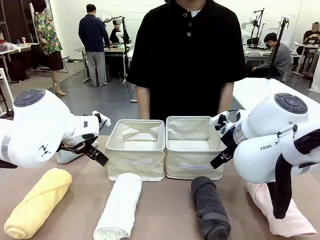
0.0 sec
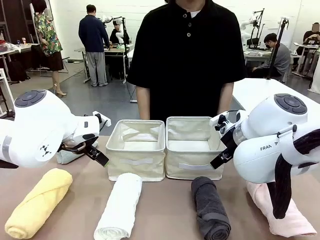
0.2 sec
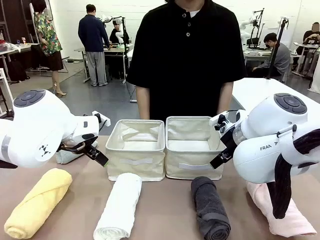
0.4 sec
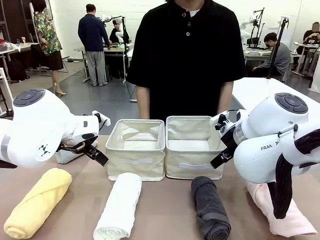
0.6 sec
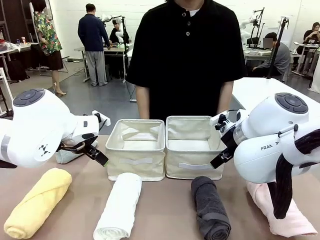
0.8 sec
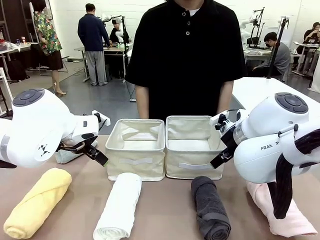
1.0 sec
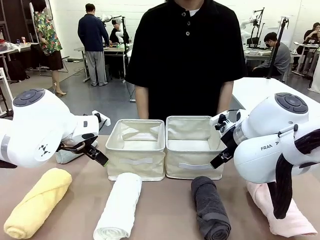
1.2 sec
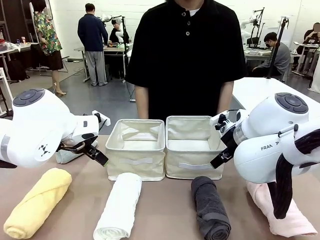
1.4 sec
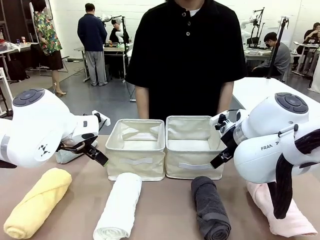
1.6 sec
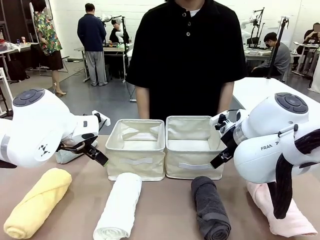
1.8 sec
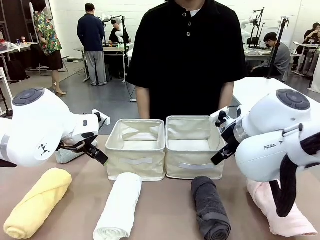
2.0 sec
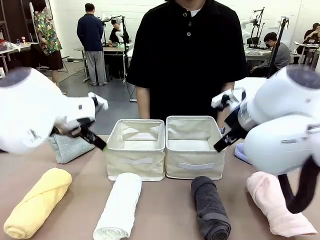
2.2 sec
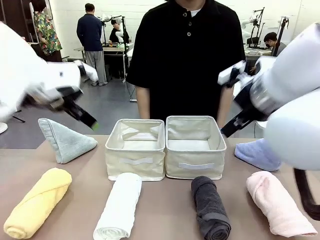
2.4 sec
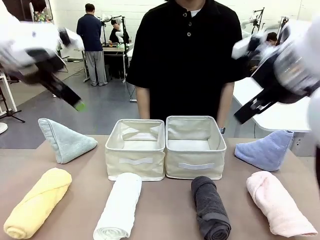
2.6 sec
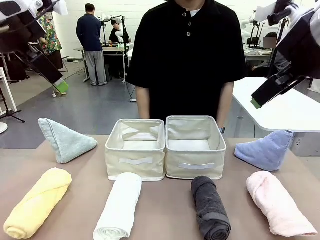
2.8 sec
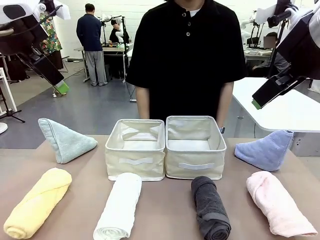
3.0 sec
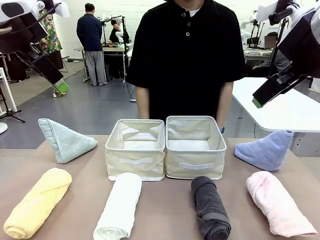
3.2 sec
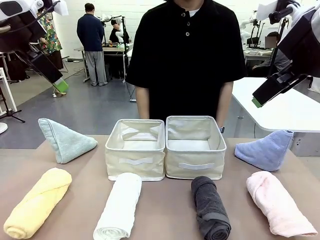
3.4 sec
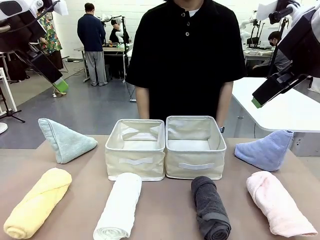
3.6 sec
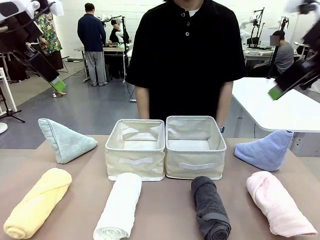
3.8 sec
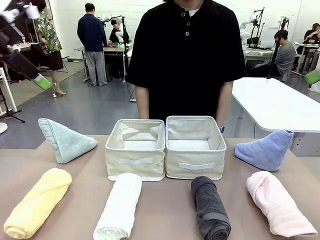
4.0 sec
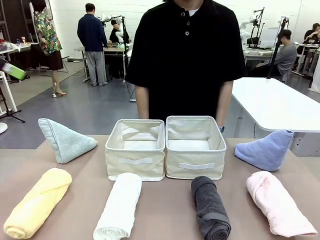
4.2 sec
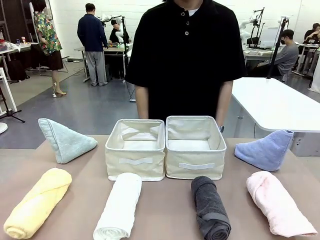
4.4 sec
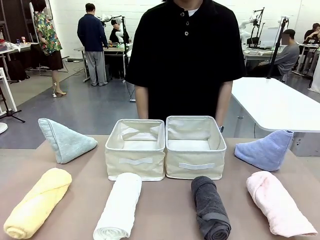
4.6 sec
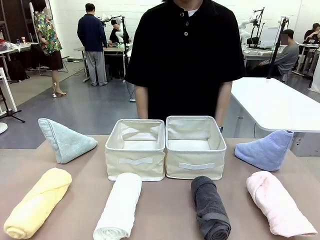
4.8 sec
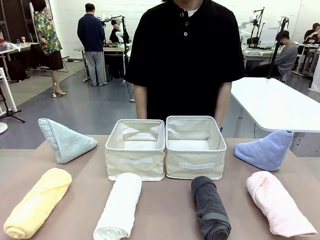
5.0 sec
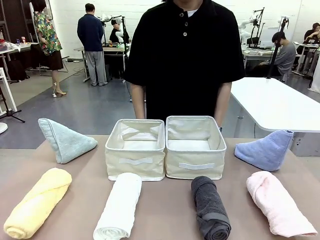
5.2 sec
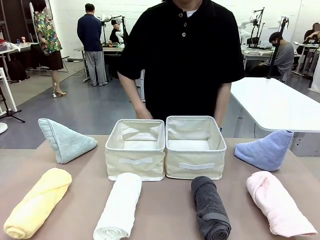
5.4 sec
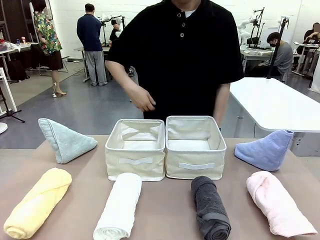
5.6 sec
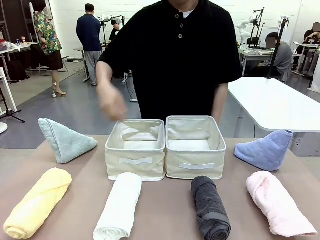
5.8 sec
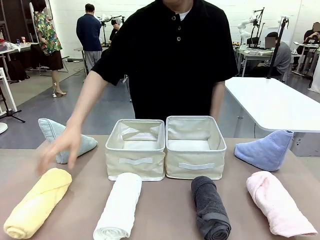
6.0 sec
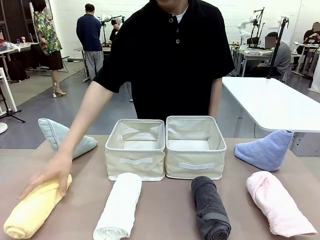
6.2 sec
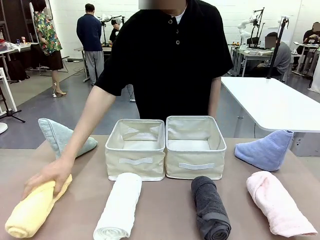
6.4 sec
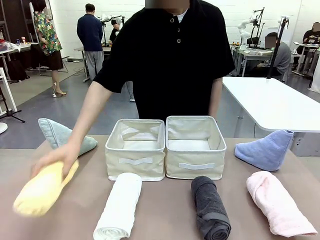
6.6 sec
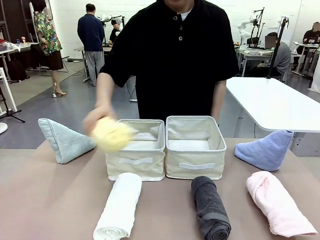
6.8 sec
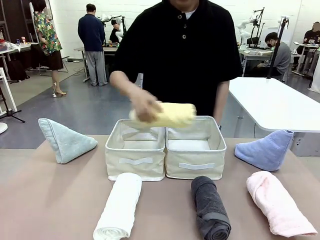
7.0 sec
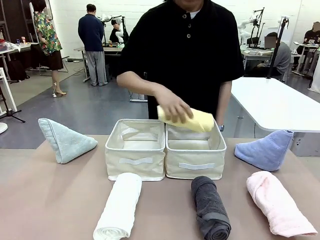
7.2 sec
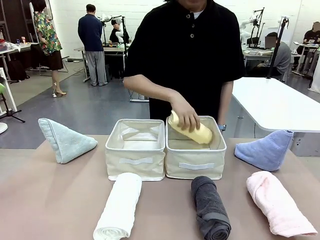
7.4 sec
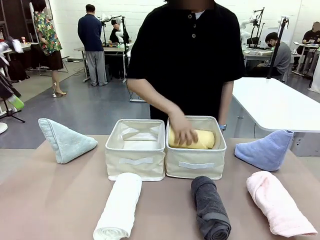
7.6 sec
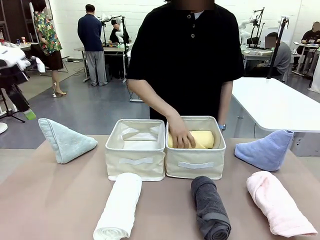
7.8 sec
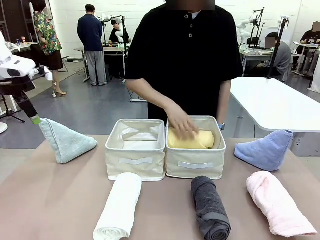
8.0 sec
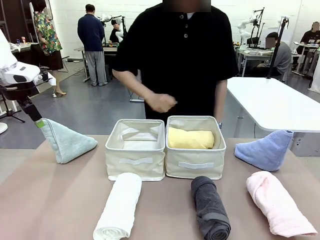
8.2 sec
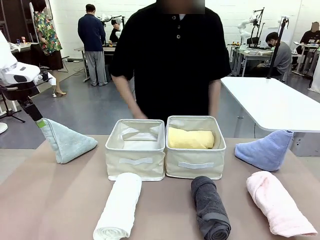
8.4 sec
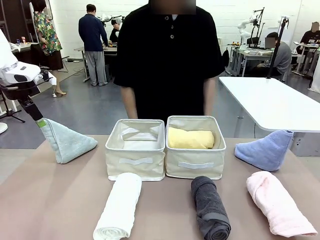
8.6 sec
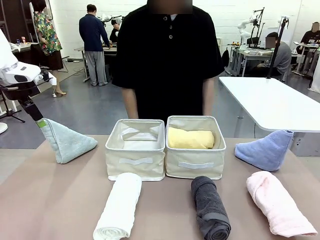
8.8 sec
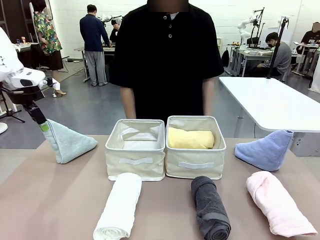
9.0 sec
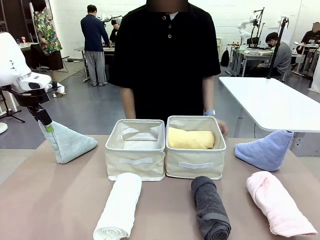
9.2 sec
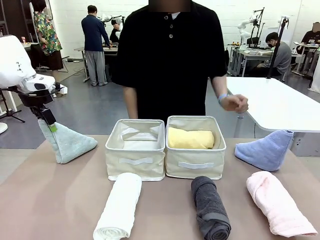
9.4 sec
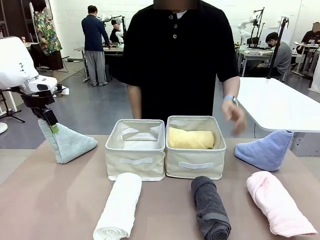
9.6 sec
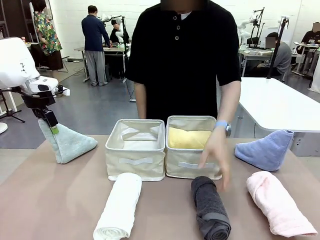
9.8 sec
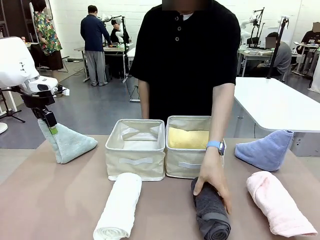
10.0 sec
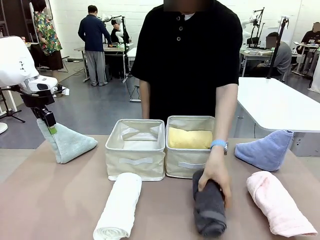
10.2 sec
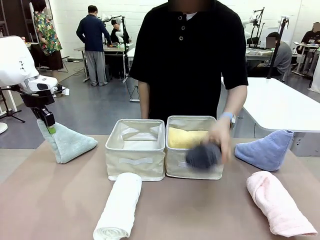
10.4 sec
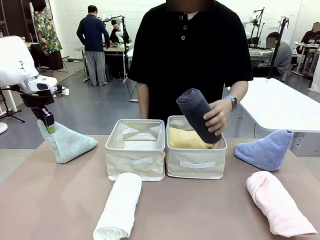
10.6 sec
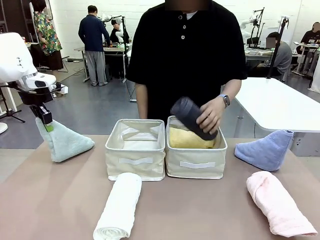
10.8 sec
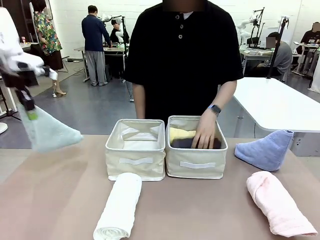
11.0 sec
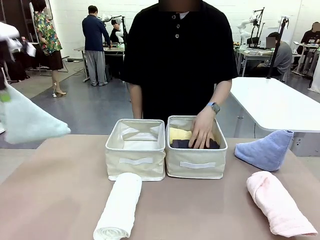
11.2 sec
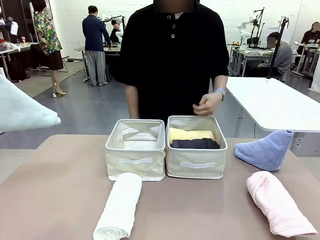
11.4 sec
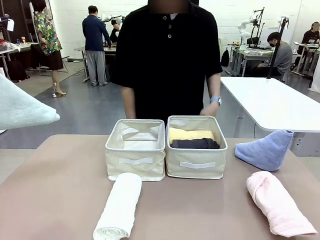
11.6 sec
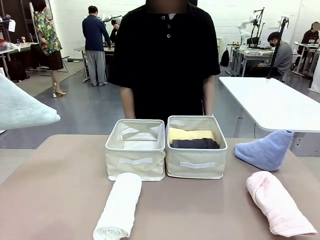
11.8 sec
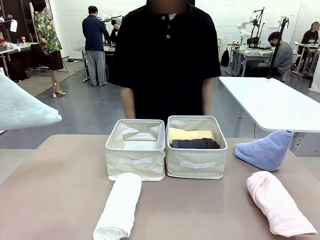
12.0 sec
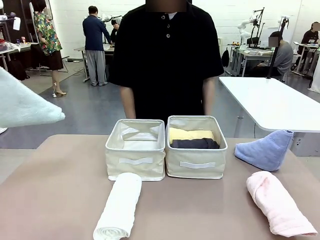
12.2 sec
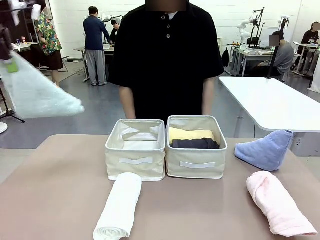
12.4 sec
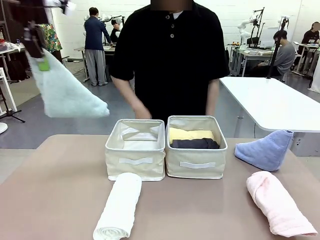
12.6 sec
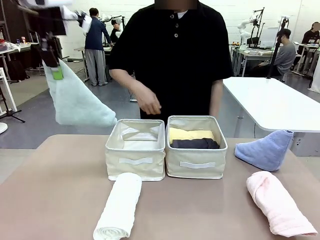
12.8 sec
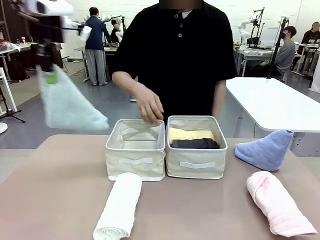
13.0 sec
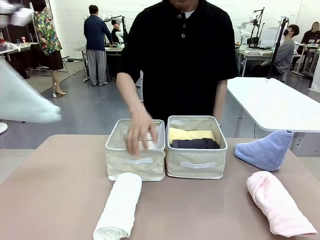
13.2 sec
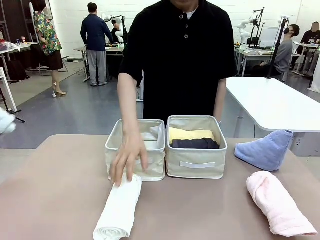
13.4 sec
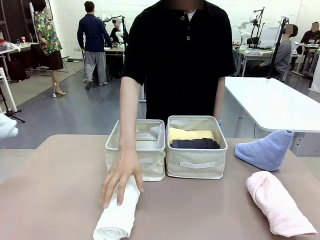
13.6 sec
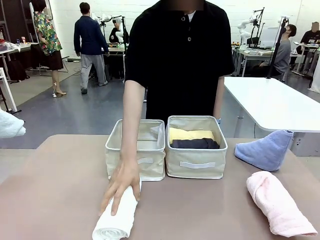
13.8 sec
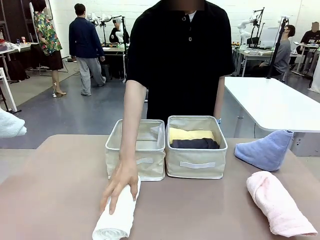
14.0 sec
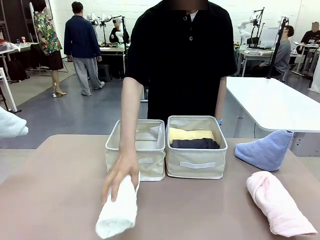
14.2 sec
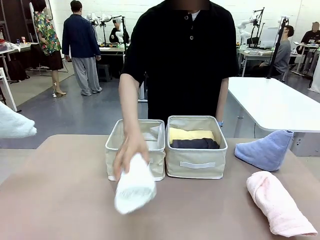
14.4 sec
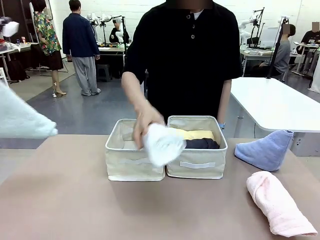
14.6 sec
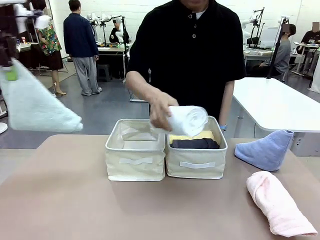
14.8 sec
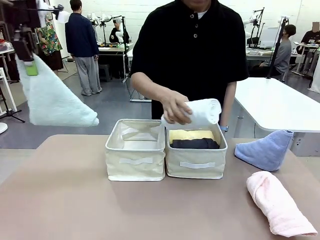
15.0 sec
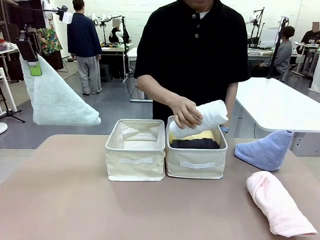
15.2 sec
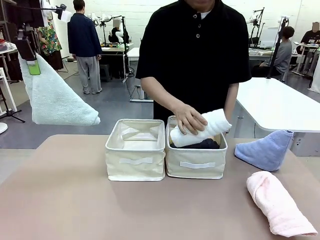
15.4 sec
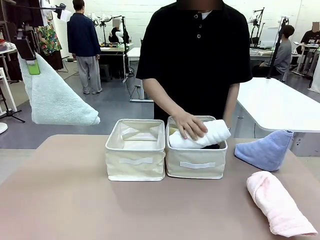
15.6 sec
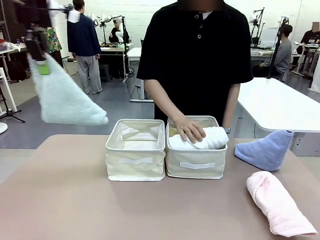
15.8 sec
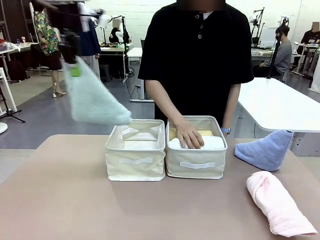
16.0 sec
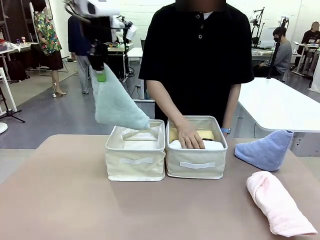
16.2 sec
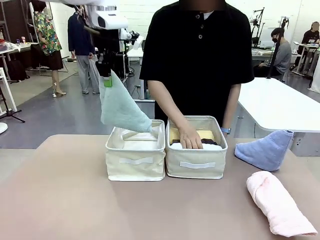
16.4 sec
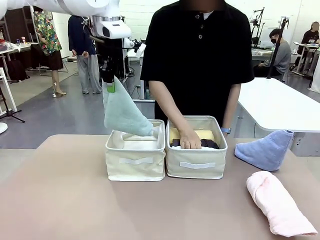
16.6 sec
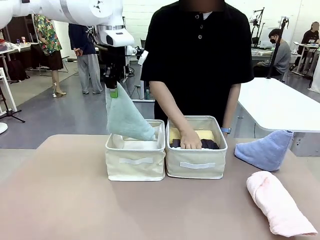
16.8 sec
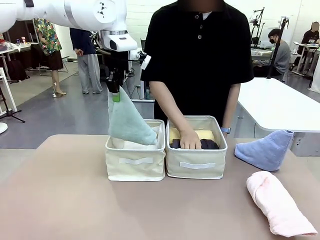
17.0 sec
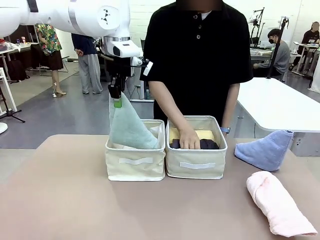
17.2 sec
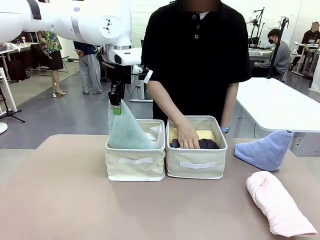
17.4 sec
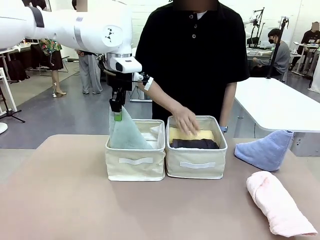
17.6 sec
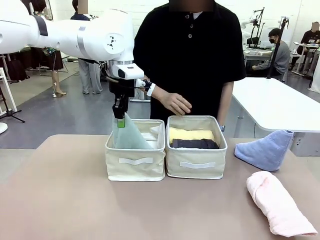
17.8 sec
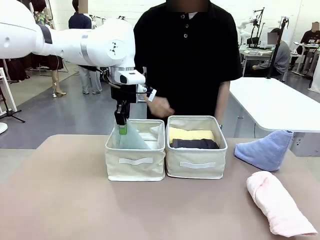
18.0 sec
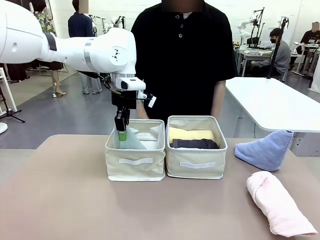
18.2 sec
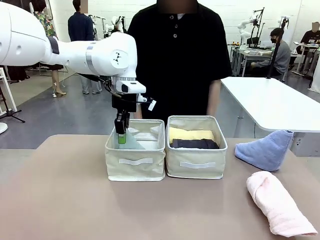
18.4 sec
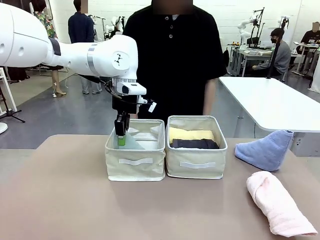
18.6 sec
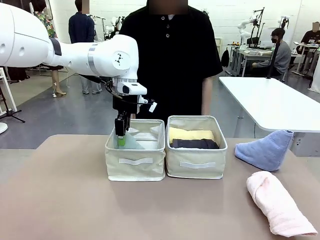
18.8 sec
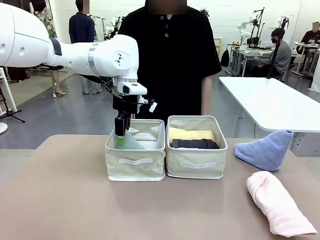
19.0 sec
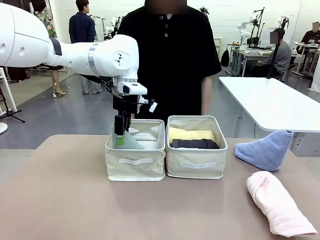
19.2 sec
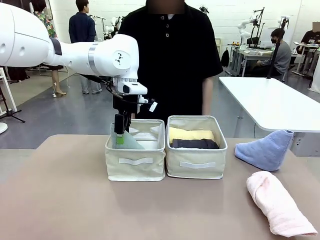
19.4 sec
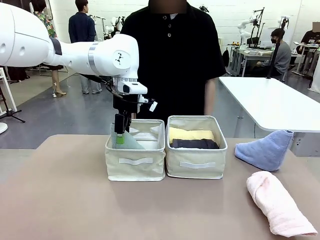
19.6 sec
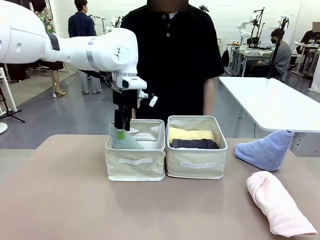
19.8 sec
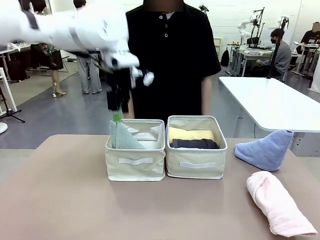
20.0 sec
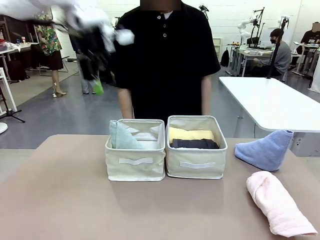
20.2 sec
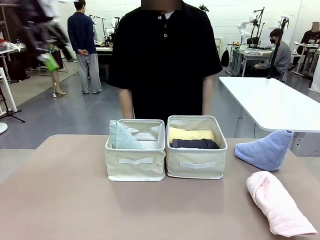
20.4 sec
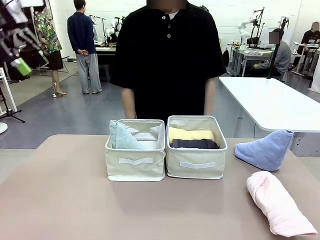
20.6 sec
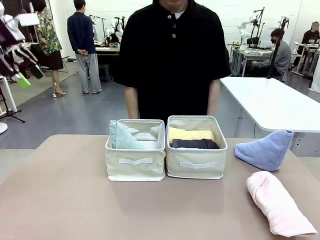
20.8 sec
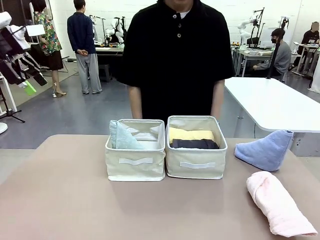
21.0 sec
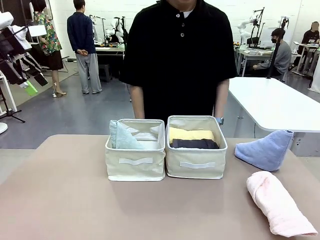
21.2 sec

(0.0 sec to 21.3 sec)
Task: Sort the towels based on their folding style.
Robot: Pick up one triangle-folded towel and place it in the left Fabric basket.
Person: Pick up one hotel-style rolled towel and place it in the left fabric basket.
